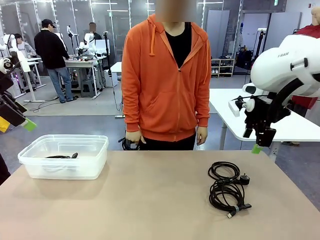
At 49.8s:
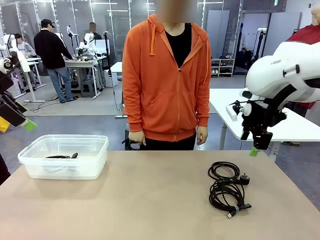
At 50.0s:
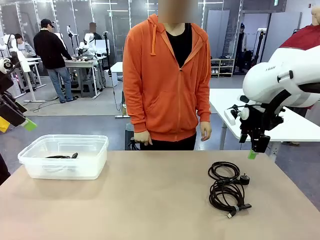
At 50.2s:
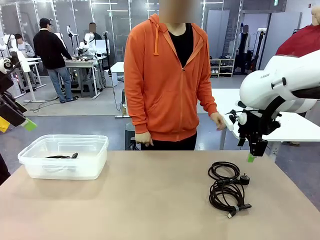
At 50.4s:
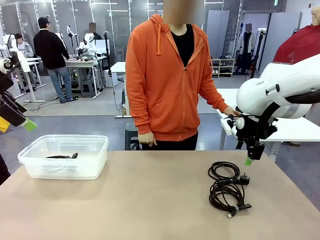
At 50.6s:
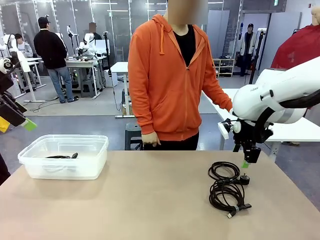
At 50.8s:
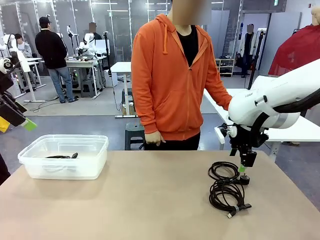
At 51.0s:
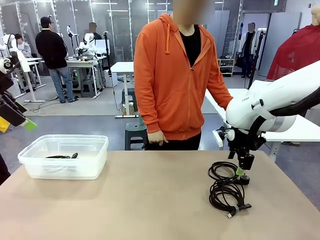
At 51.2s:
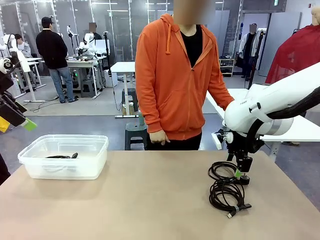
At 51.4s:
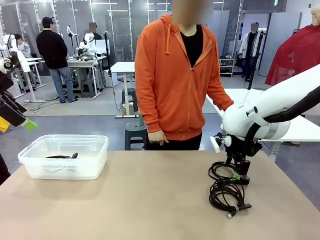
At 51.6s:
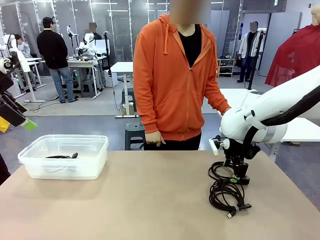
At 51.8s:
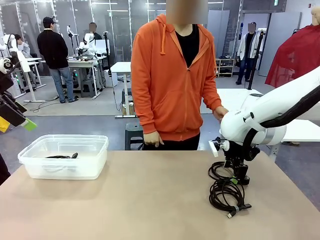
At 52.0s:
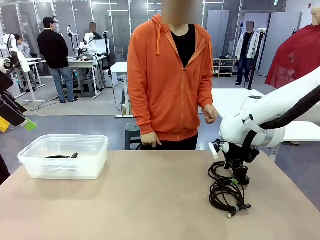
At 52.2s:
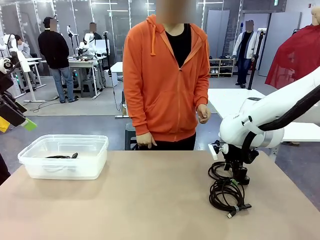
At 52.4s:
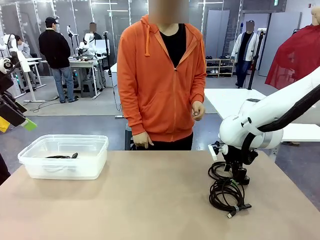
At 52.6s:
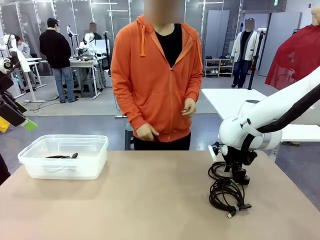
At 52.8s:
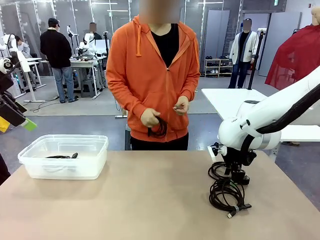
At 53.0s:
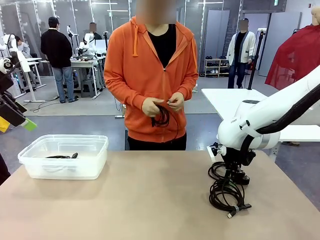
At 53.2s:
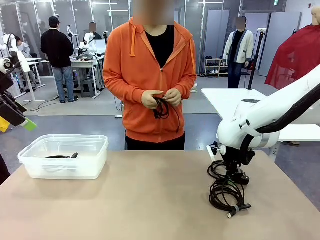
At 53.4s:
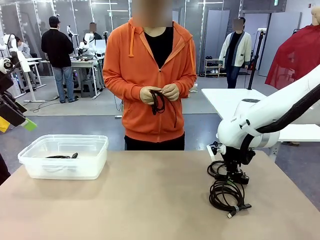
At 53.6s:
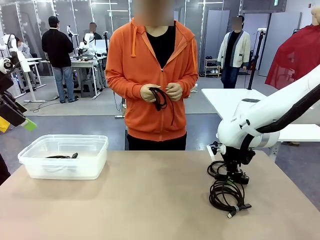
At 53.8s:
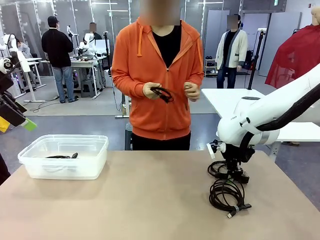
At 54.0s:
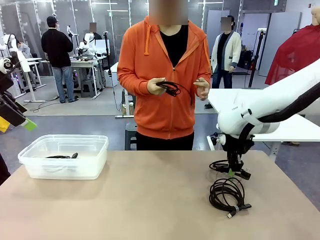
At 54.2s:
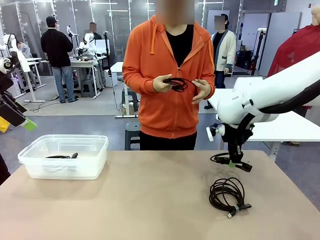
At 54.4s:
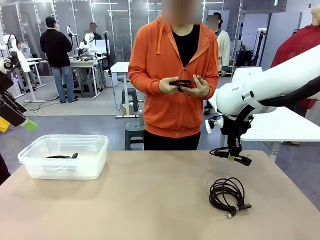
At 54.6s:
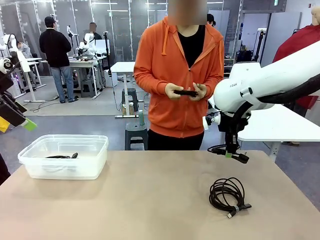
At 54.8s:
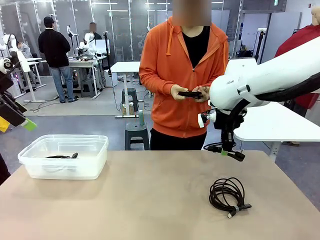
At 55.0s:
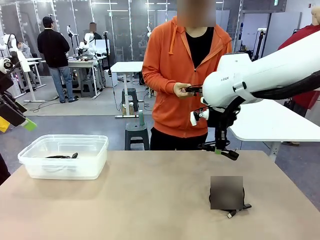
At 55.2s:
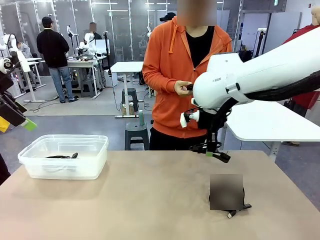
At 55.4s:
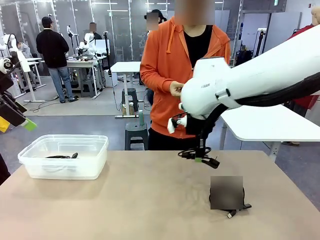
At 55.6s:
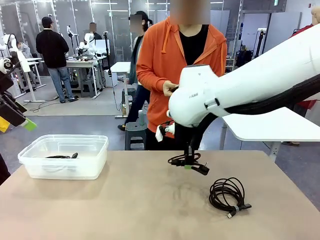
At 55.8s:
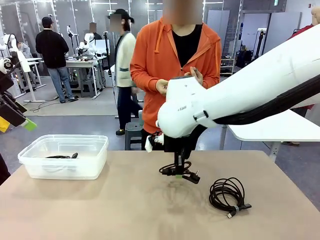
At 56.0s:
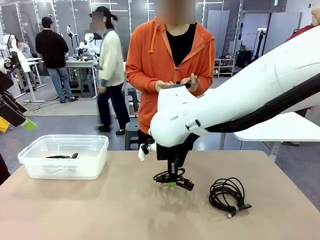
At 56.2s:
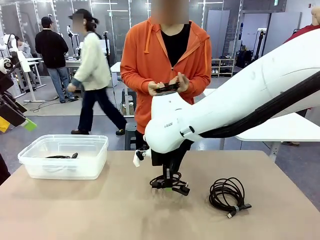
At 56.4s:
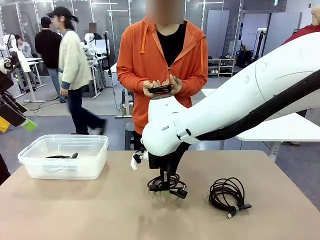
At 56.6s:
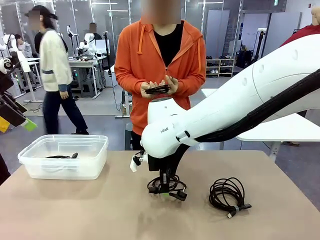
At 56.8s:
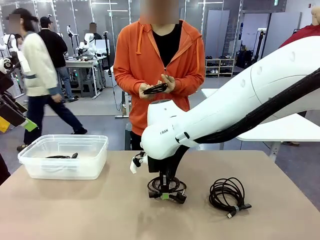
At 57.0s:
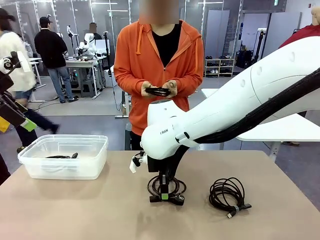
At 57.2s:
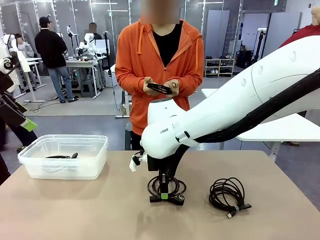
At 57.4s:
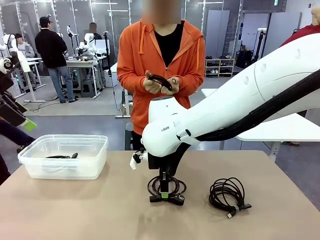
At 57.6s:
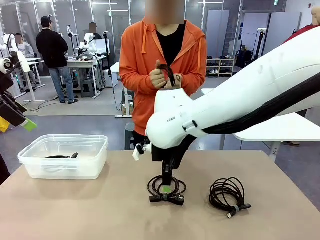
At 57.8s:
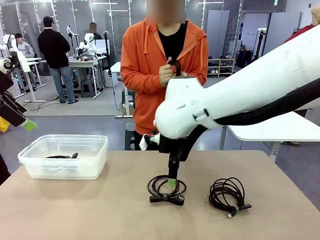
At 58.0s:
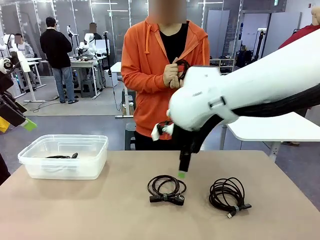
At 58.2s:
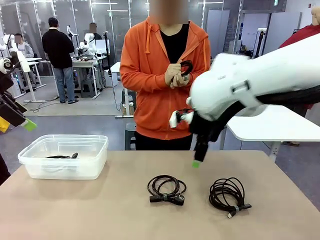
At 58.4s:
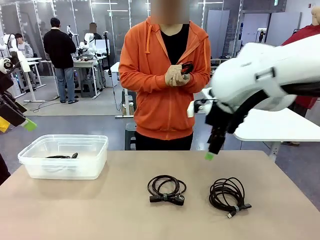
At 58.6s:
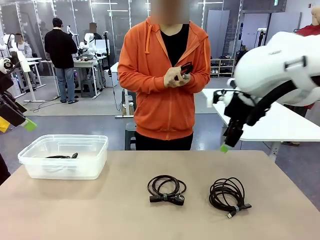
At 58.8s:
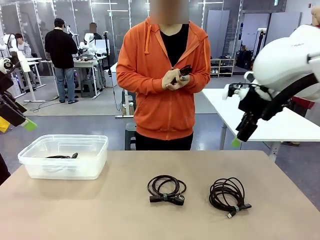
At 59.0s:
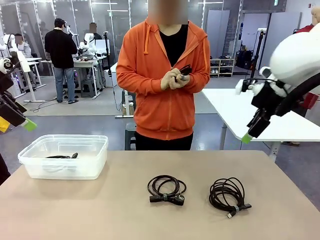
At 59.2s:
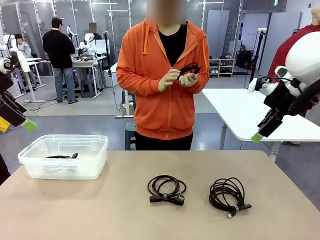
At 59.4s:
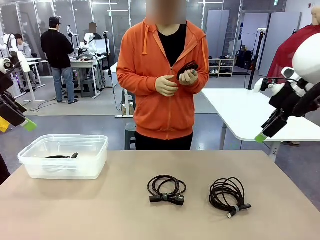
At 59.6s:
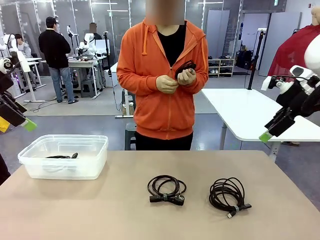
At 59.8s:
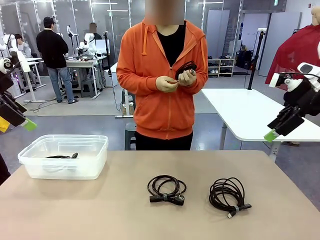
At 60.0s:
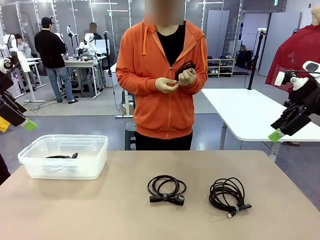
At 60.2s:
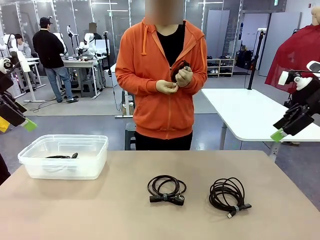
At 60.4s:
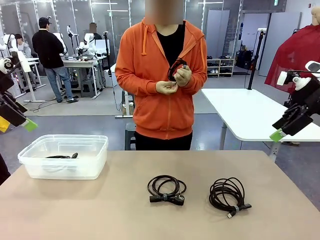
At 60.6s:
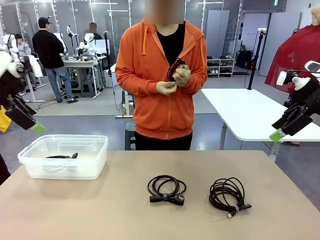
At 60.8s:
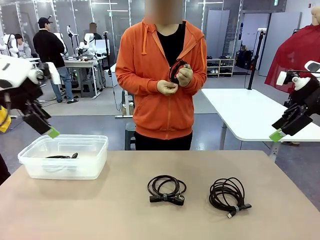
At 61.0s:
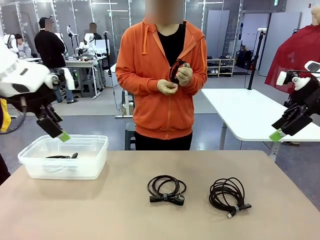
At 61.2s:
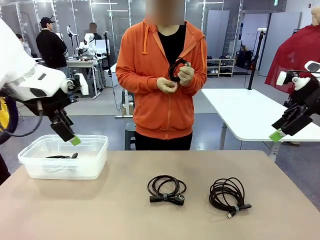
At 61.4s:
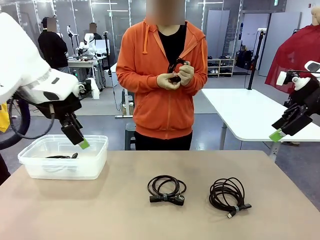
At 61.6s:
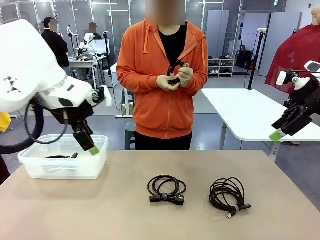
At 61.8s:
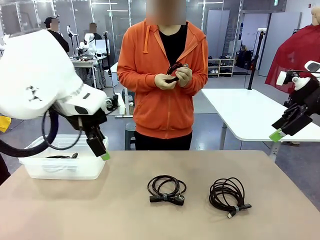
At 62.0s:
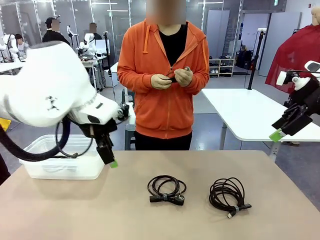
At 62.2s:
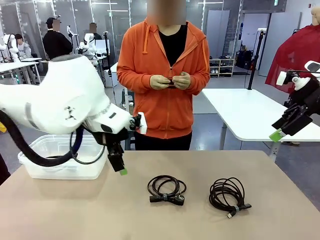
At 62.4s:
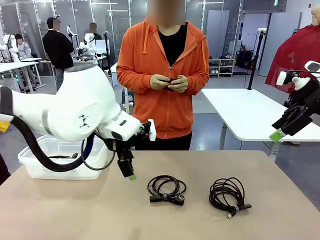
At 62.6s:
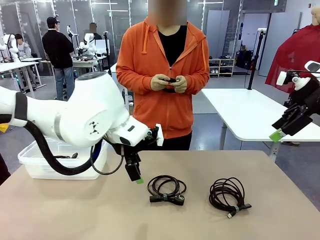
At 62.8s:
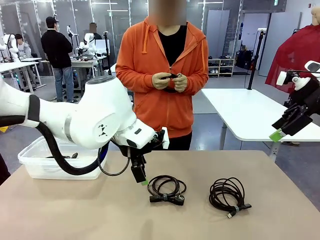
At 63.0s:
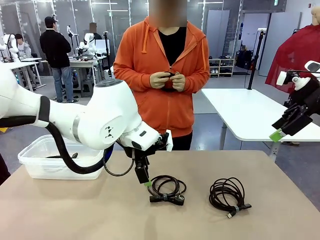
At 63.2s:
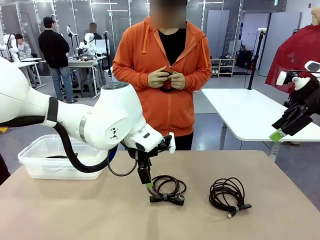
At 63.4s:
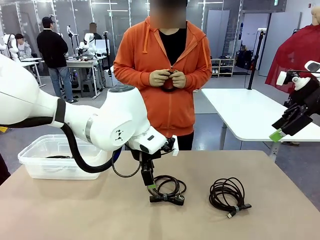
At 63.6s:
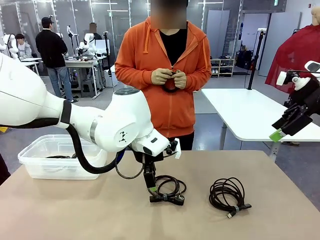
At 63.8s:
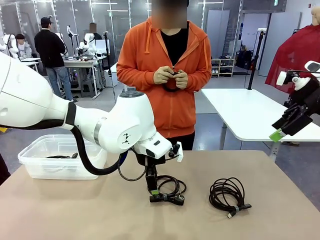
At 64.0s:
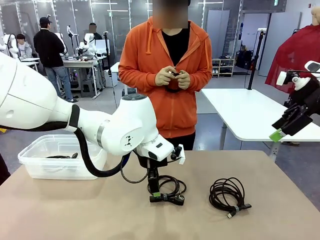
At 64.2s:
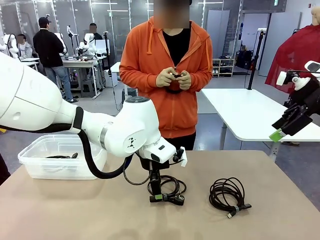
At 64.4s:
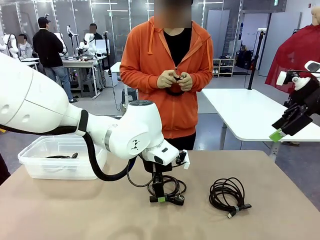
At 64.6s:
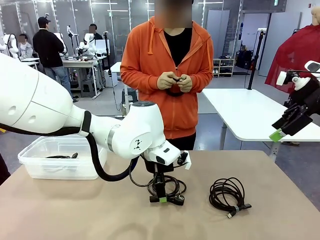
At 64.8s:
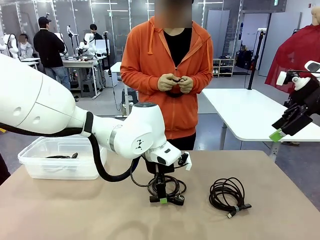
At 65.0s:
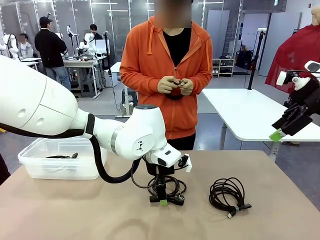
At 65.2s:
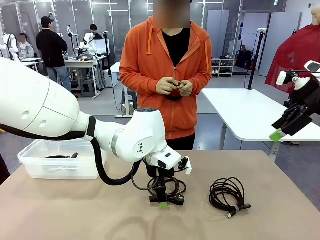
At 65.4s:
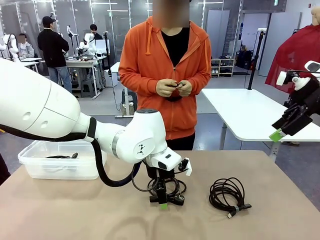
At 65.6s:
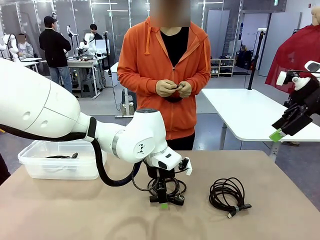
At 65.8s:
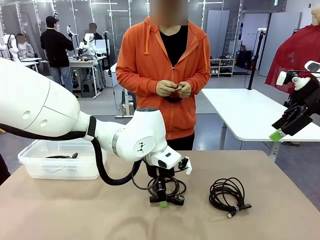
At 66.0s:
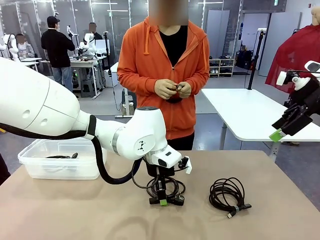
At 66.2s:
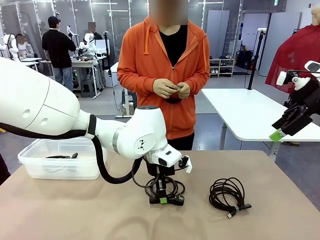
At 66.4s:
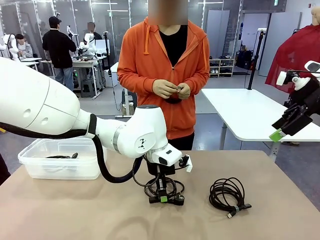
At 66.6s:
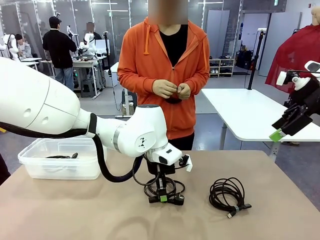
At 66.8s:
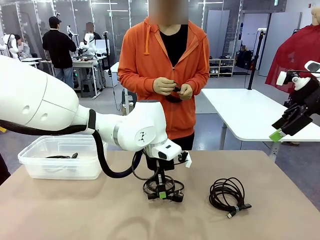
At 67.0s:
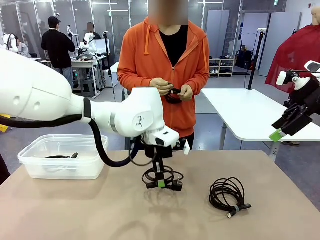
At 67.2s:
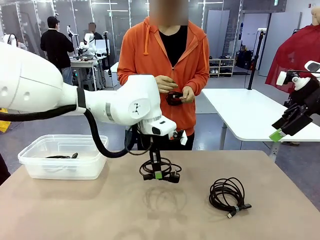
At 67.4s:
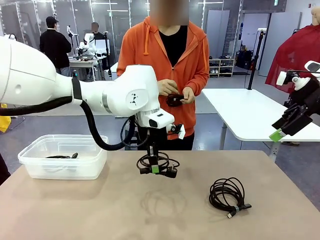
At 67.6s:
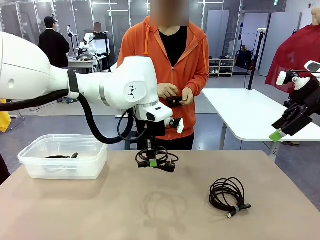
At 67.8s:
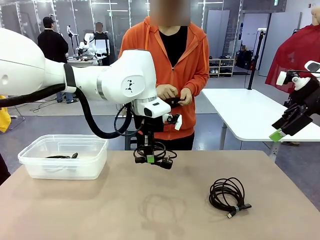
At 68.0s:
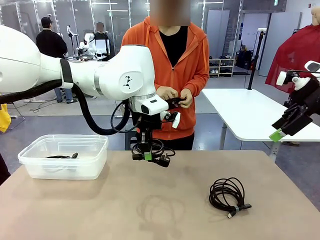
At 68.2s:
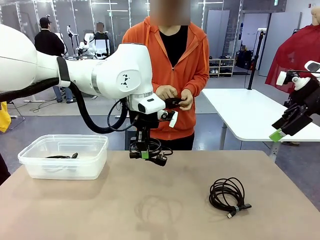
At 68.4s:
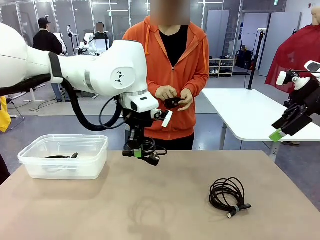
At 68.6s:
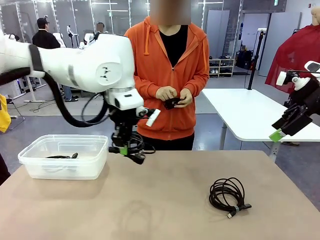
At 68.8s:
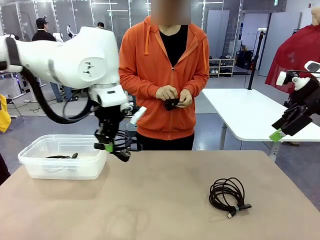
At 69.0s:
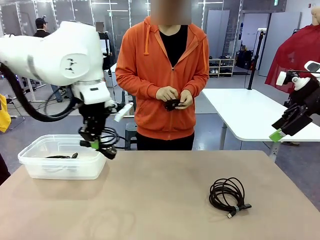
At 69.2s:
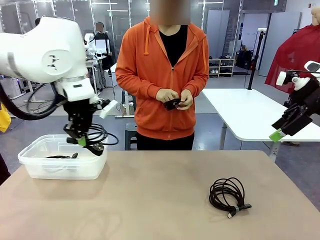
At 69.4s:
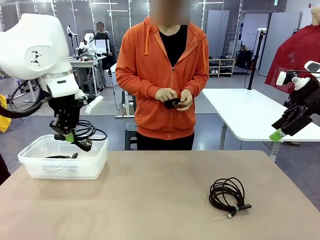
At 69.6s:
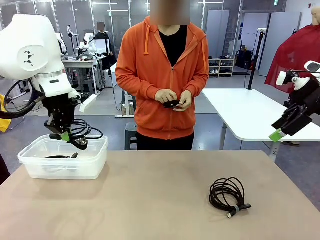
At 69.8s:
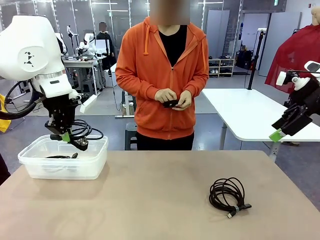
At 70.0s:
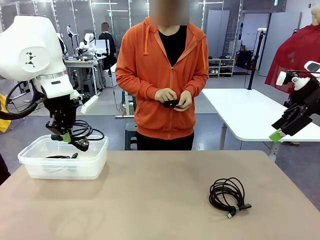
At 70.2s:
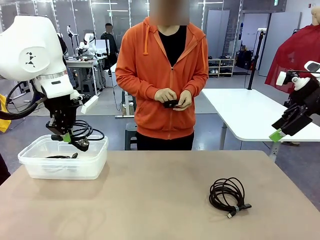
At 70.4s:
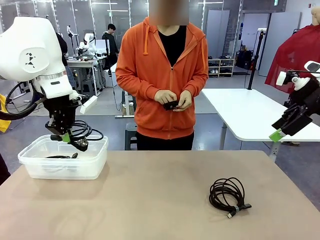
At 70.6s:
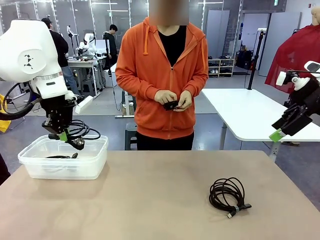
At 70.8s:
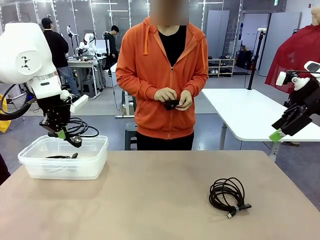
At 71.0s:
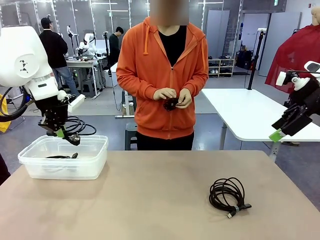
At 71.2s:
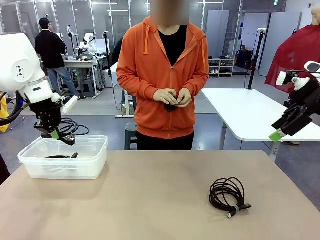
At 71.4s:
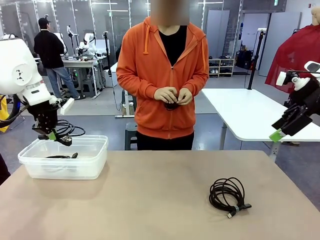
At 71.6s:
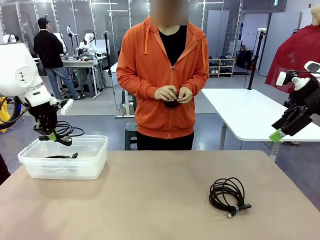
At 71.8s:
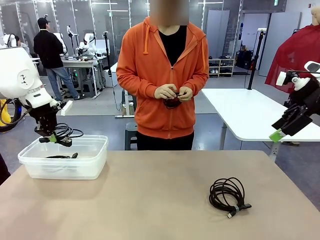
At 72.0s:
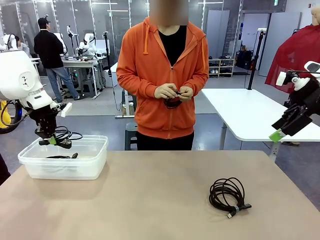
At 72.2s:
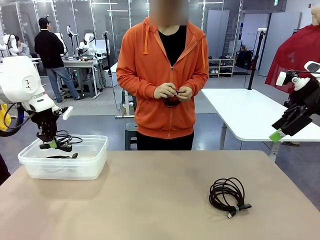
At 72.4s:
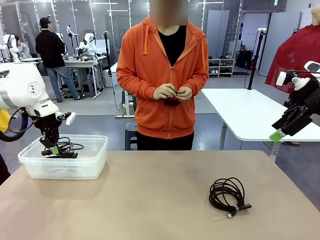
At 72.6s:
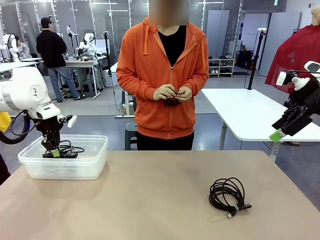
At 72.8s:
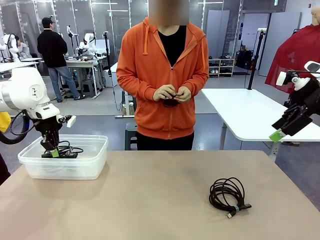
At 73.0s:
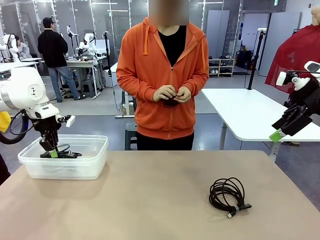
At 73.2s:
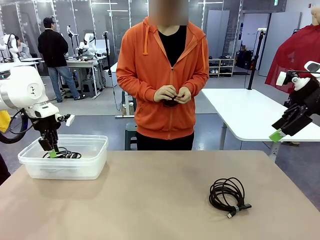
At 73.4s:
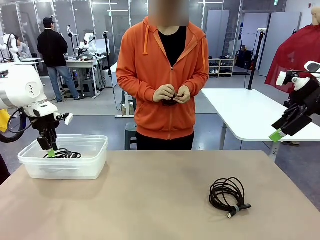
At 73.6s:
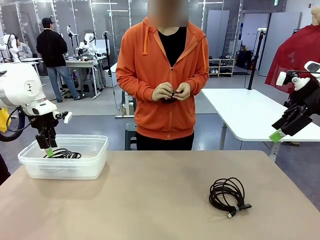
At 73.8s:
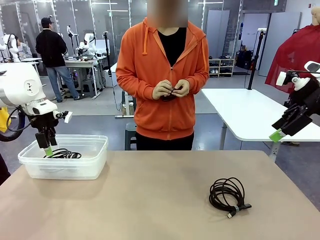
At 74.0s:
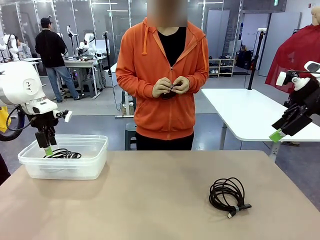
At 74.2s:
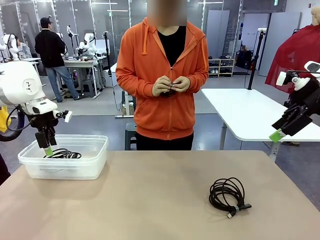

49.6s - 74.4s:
Task: Organize and store the cables.
Robot: Place the Power Cable into the Organizing box.
